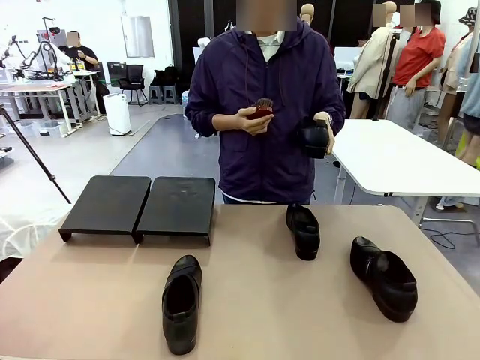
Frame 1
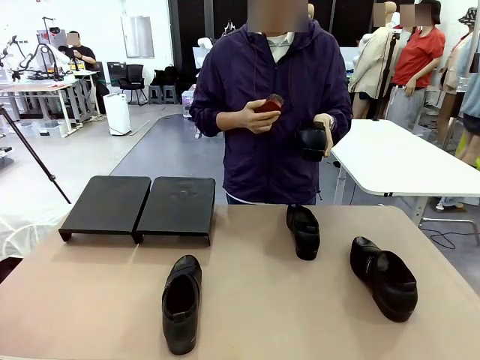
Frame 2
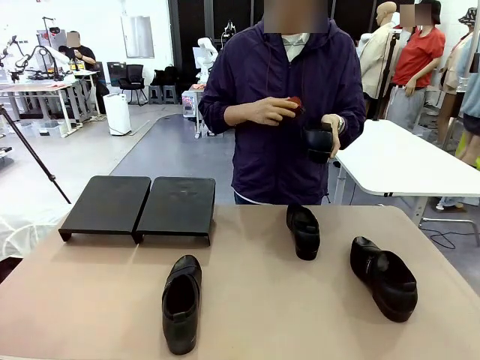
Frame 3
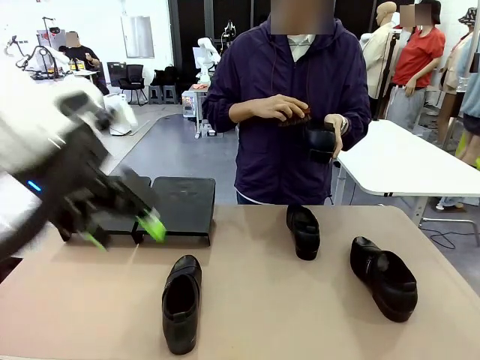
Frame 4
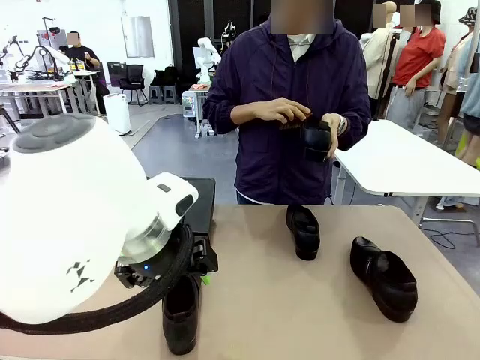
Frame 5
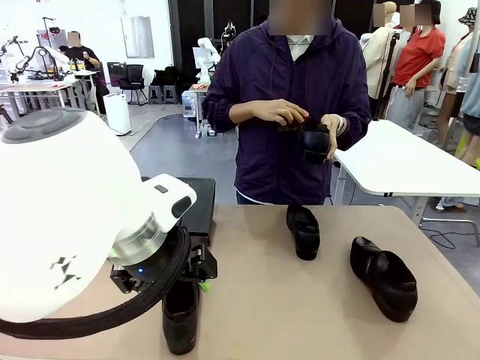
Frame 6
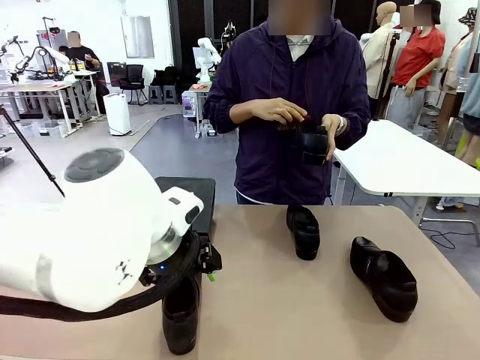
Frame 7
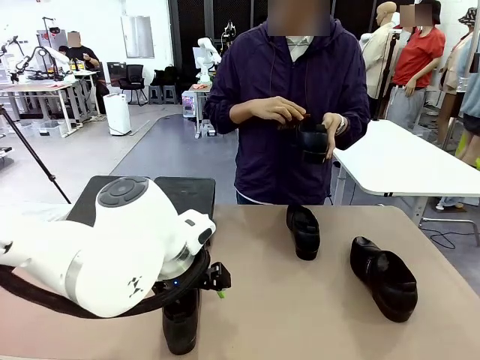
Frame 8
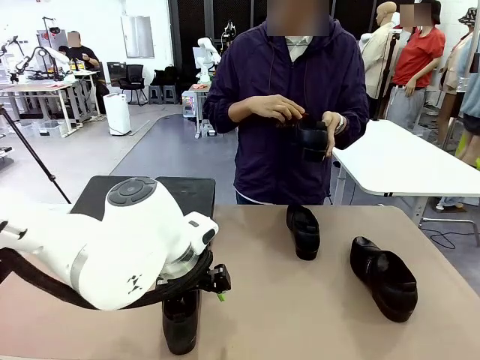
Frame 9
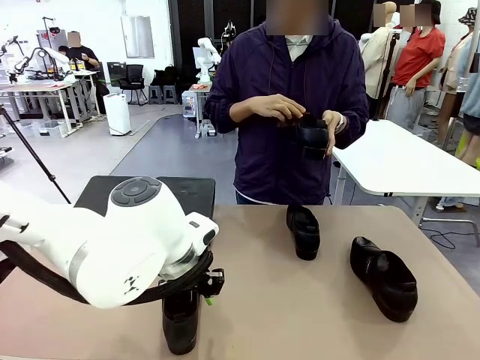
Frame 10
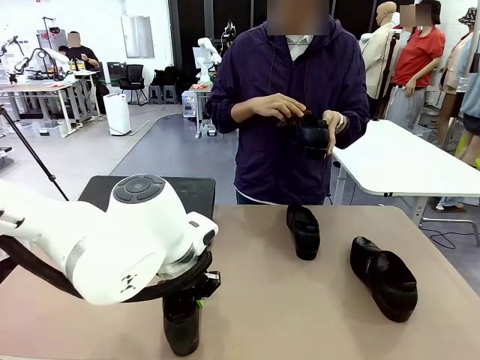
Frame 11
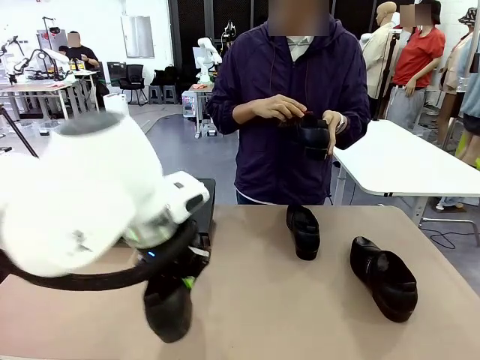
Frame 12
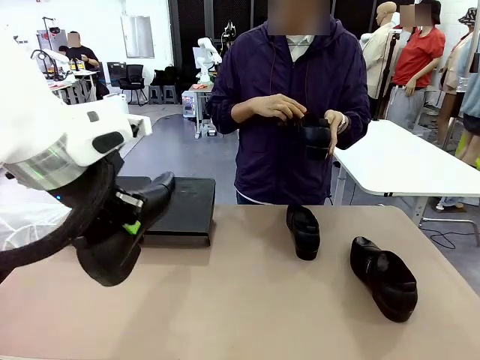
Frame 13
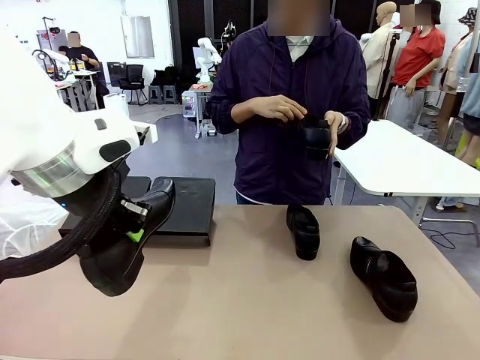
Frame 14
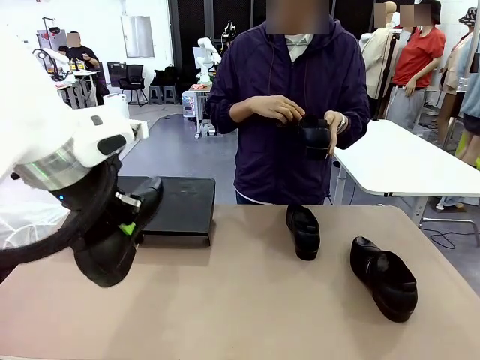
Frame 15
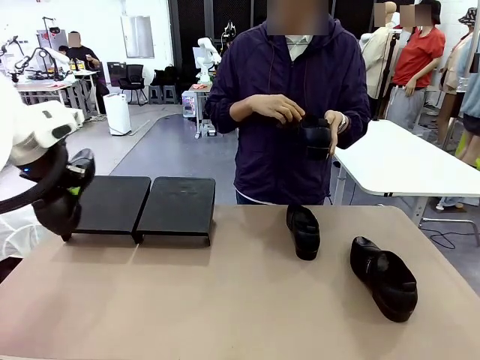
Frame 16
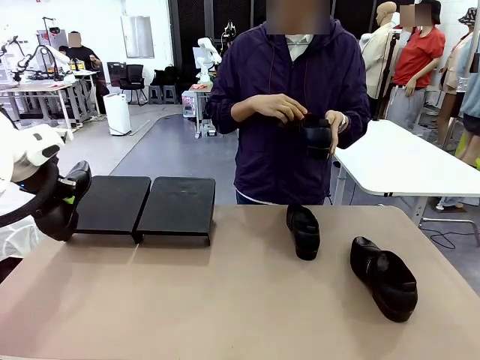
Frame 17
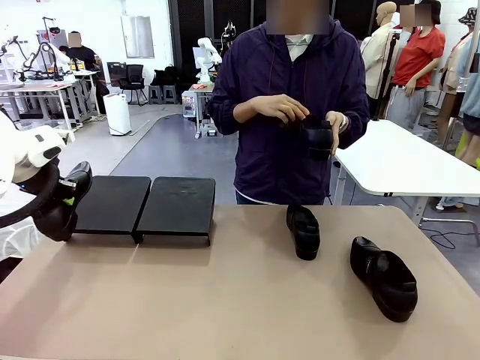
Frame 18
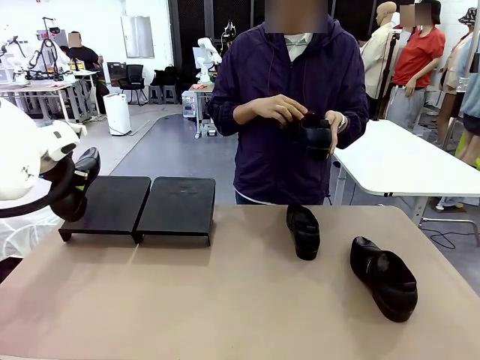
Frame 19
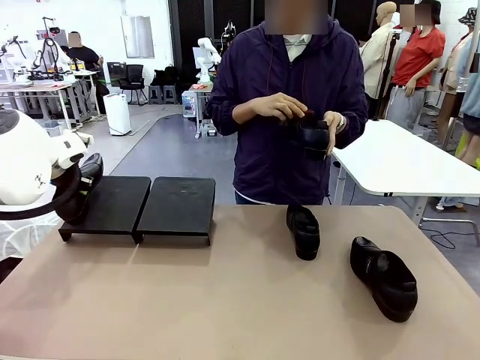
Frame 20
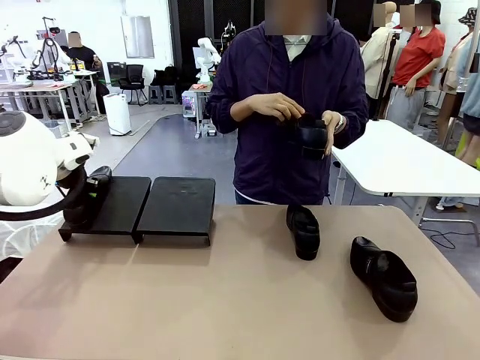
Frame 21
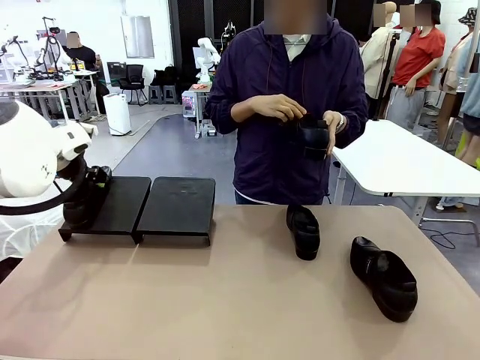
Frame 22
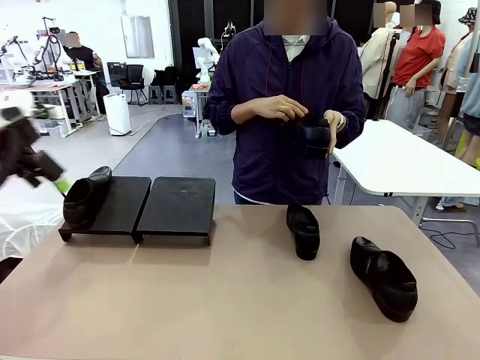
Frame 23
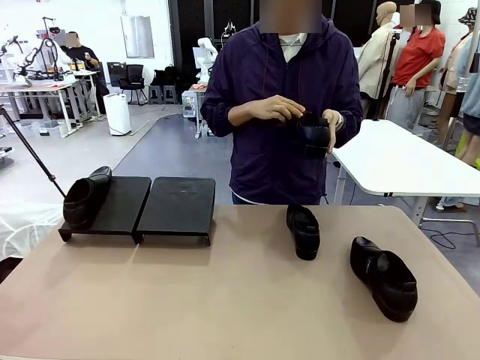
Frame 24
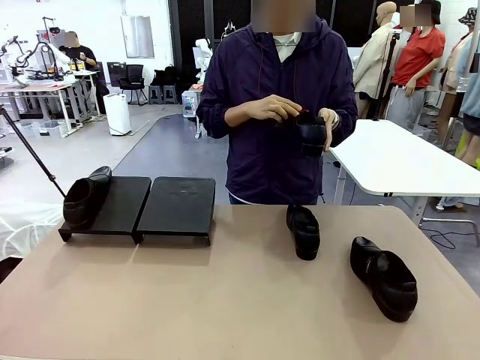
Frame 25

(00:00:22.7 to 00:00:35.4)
Task: Organize the shoes by placing them on the stand.
Robot: Place the Shoe from the middle of the table onto the Shoes Stand.
Person: Clean the Shoe with the Shoe Brush.

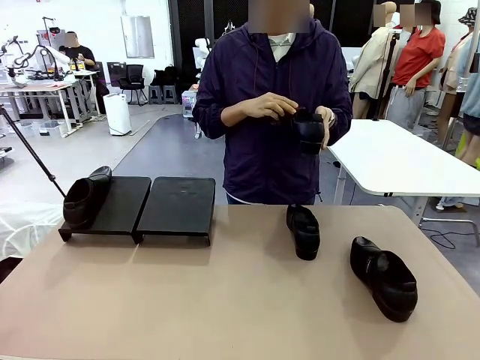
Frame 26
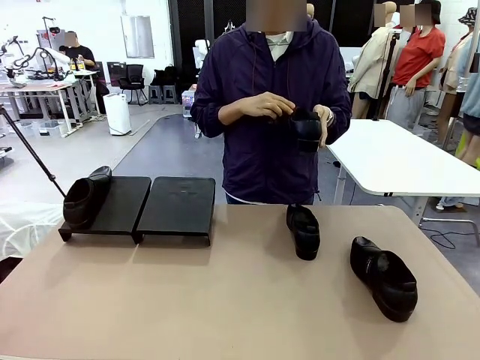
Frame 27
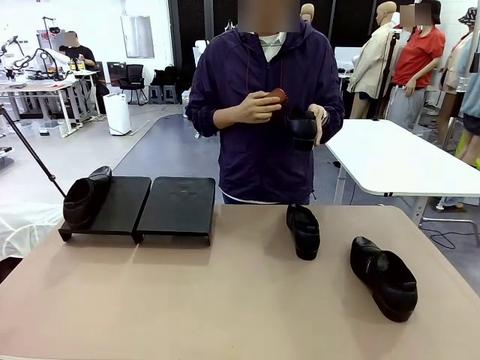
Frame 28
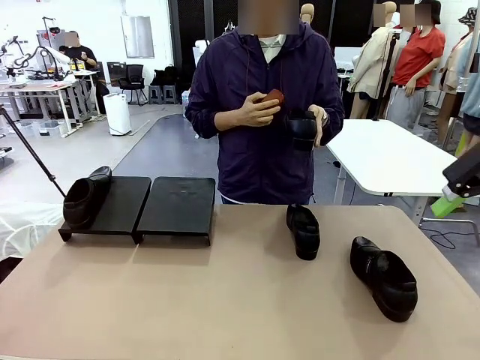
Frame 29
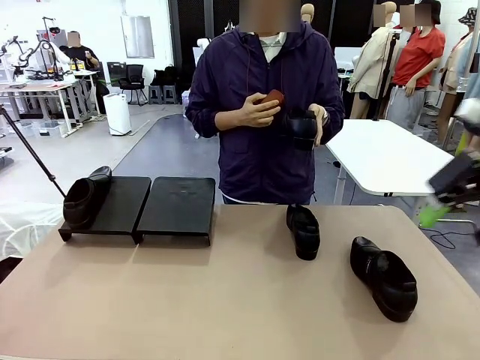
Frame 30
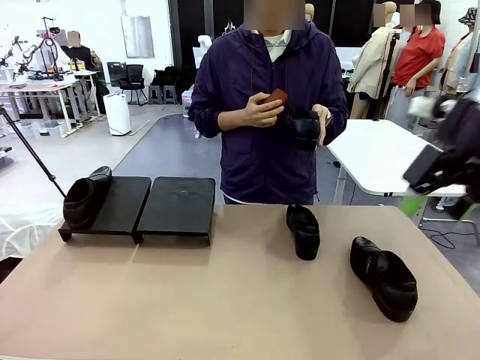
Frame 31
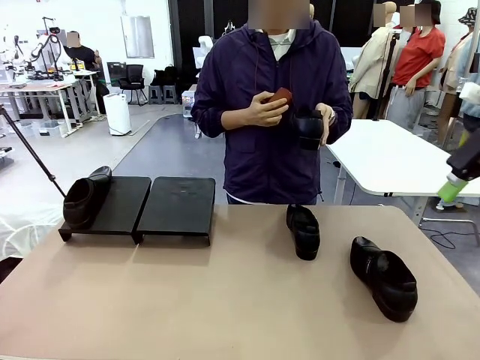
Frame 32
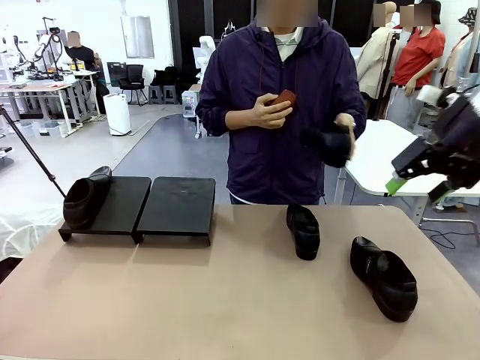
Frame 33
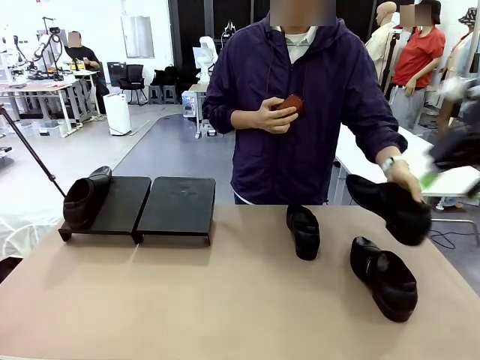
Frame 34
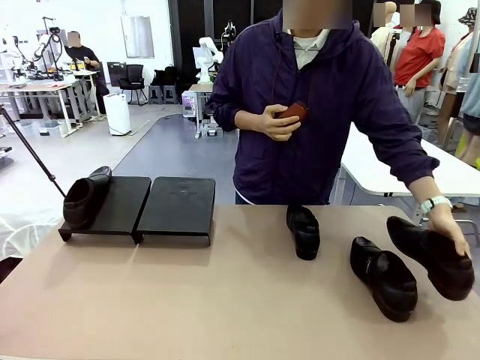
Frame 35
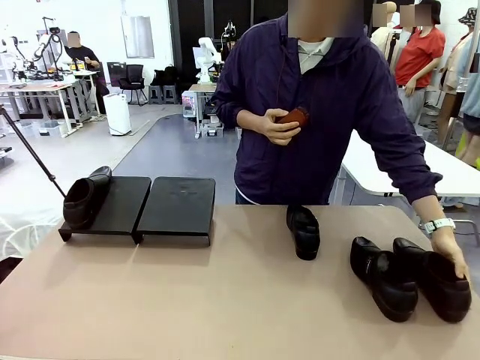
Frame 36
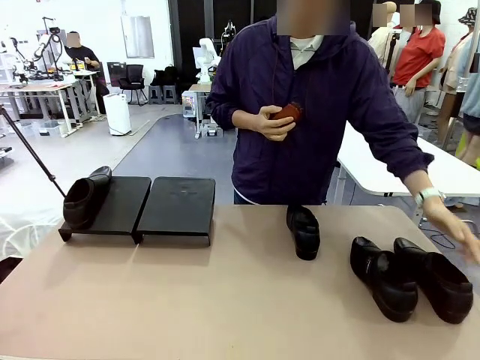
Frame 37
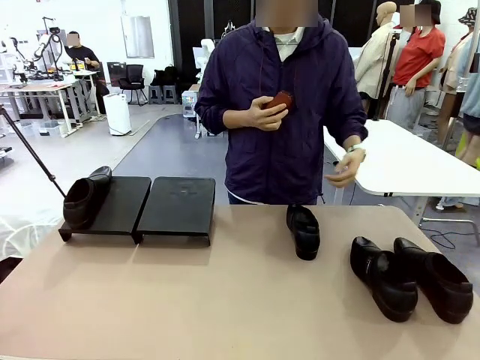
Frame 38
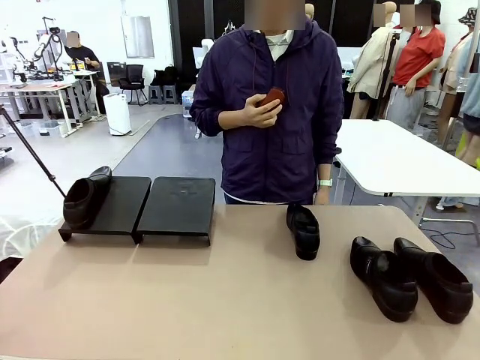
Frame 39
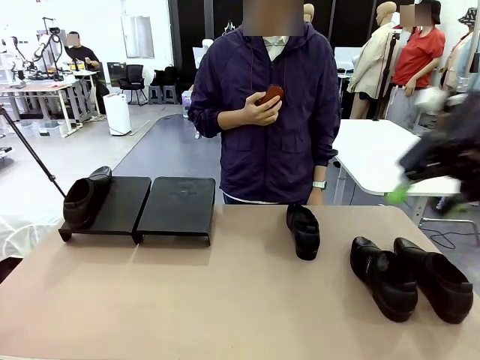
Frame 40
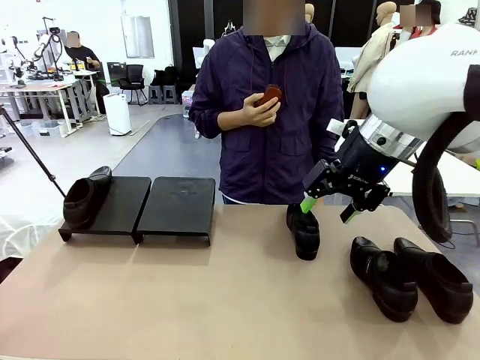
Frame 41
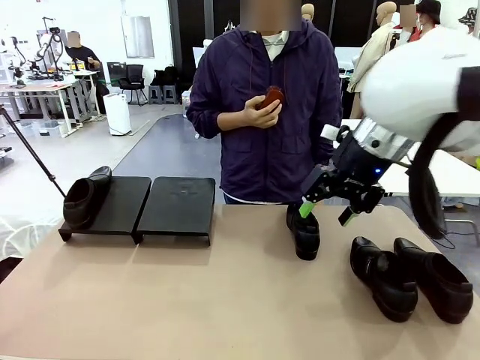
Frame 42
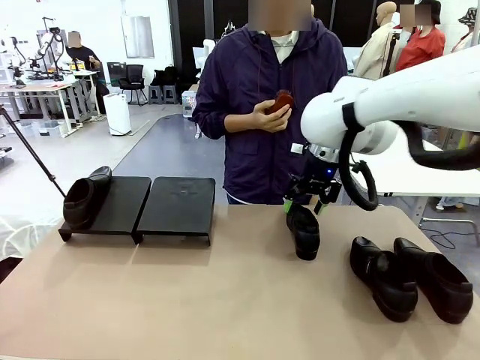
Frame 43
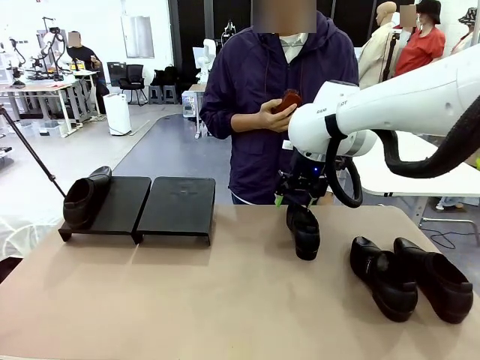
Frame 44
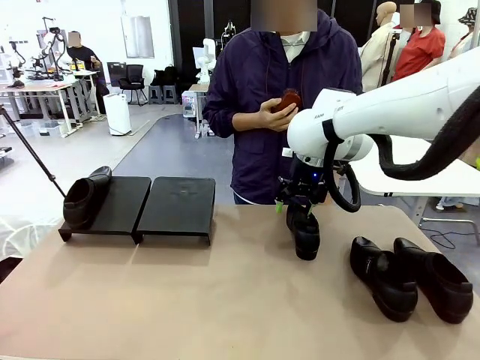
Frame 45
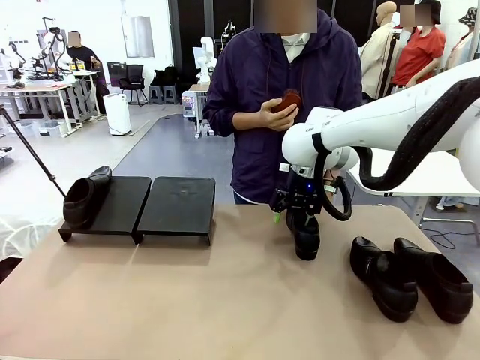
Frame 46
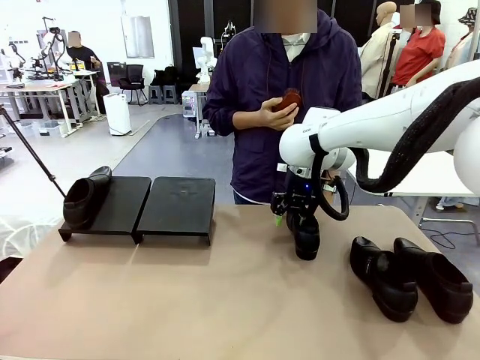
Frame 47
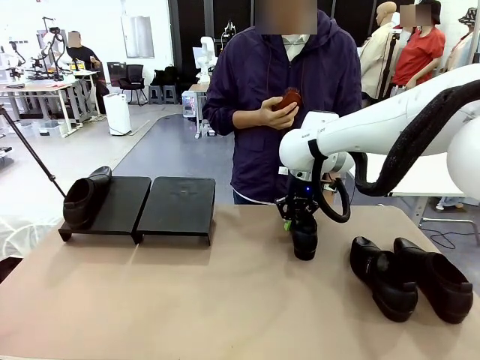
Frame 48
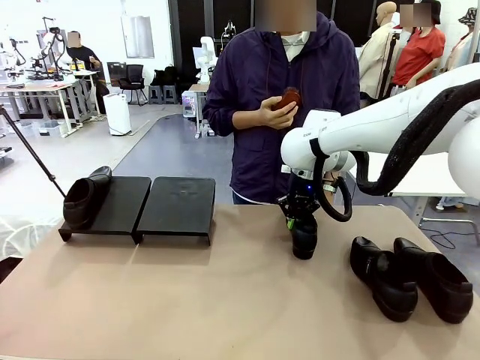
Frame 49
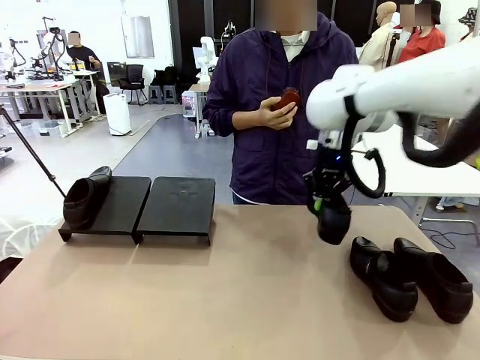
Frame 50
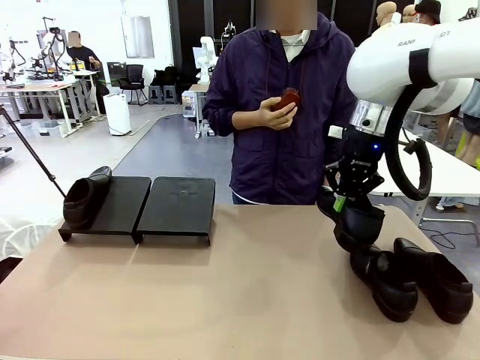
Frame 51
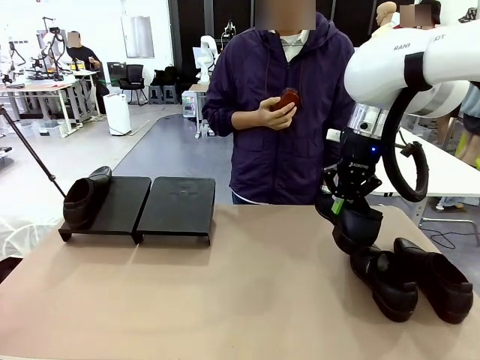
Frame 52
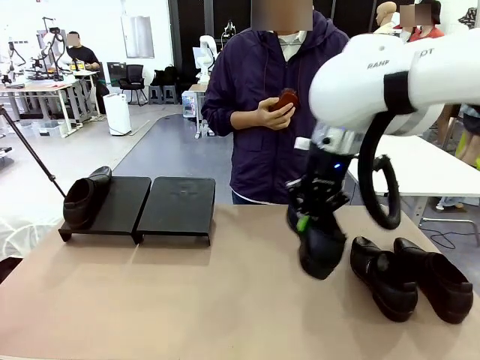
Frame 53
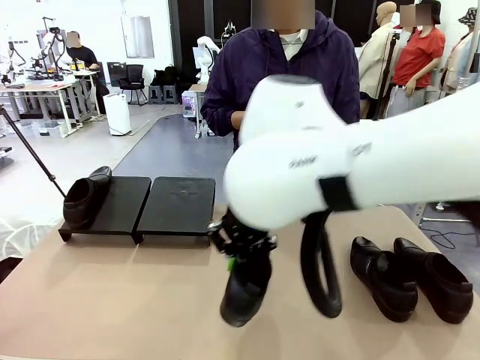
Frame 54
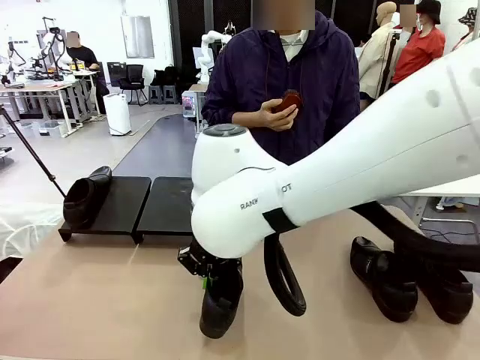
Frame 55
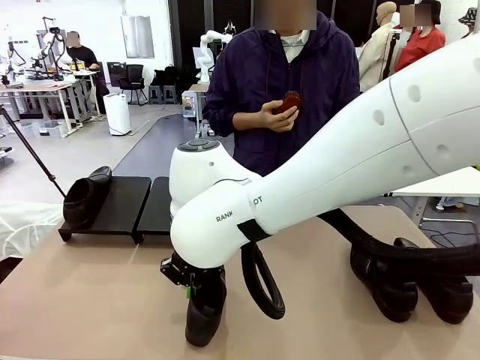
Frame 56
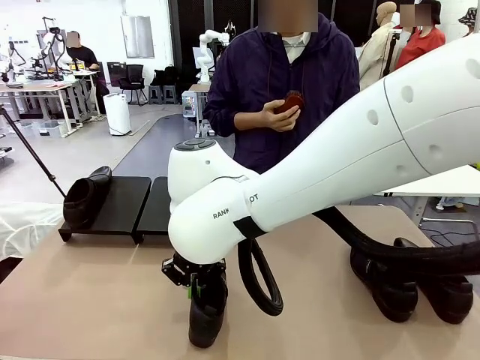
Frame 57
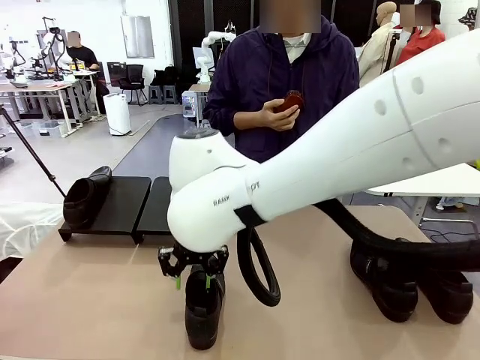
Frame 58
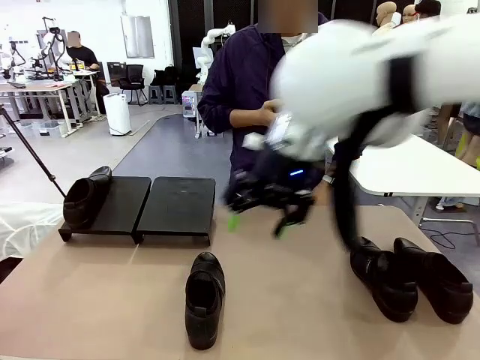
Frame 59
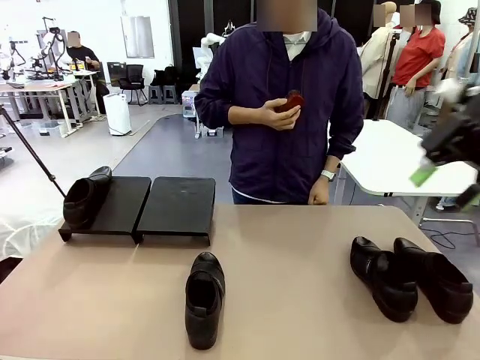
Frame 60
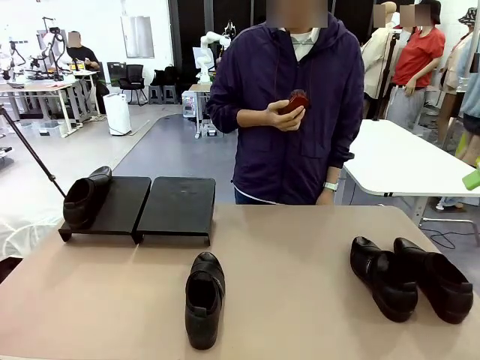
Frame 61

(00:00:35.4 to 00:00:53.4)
Robot: Pick up one Shoe and place it in the middle of the table.
